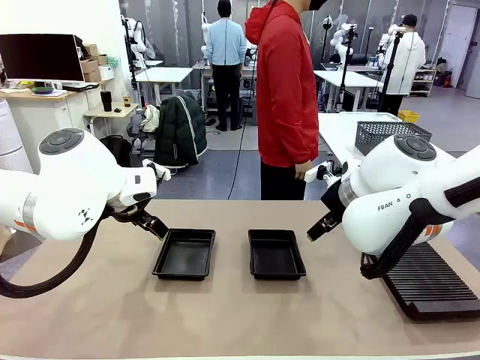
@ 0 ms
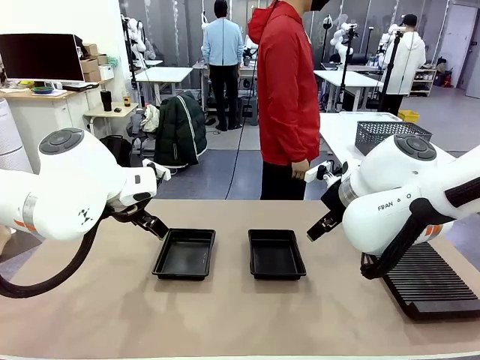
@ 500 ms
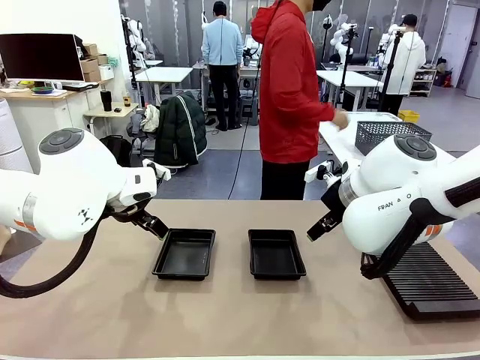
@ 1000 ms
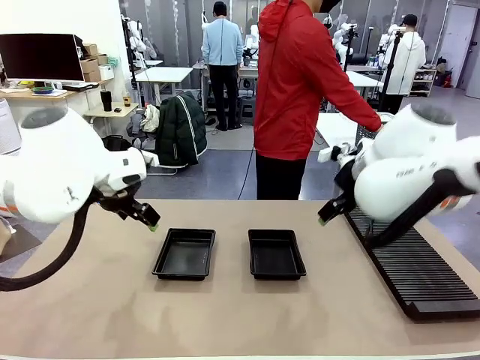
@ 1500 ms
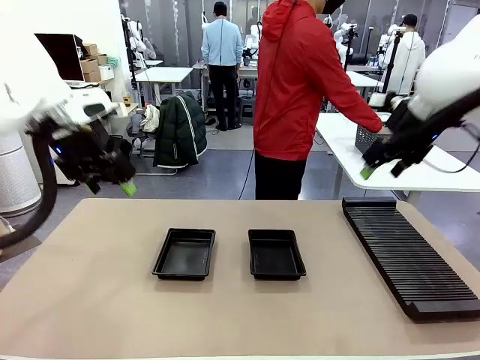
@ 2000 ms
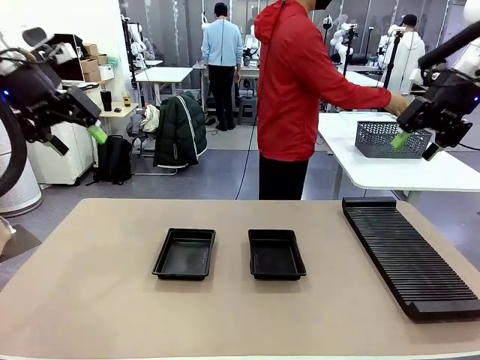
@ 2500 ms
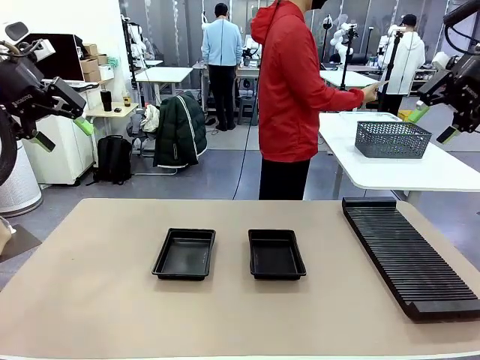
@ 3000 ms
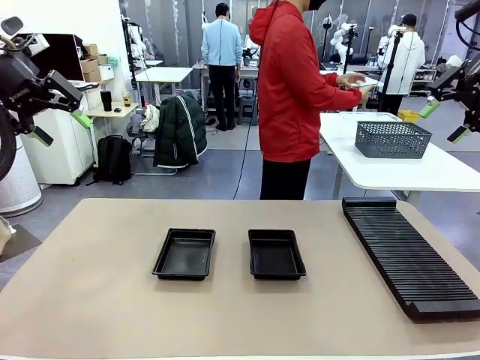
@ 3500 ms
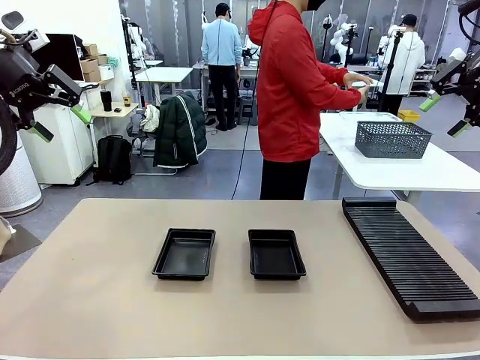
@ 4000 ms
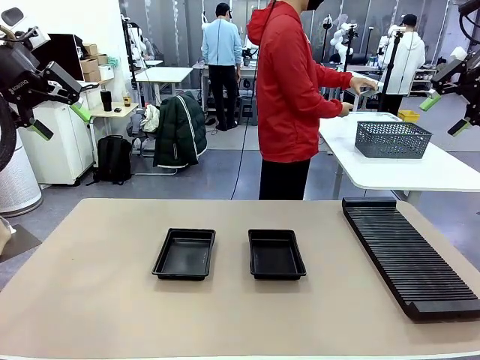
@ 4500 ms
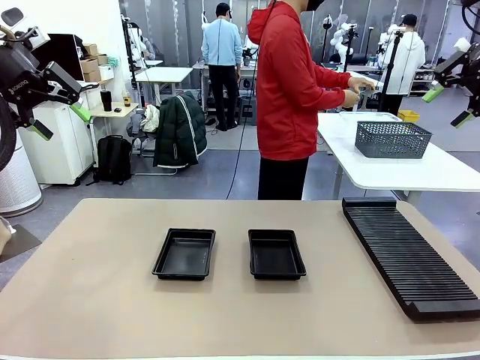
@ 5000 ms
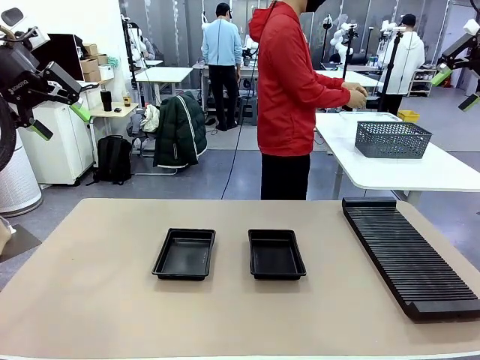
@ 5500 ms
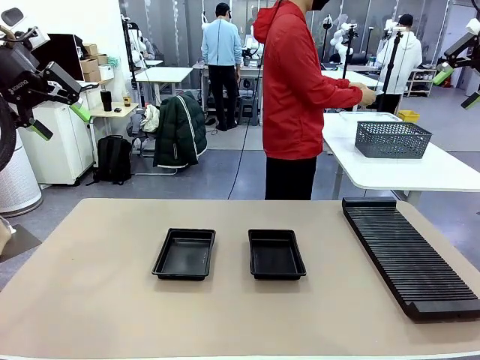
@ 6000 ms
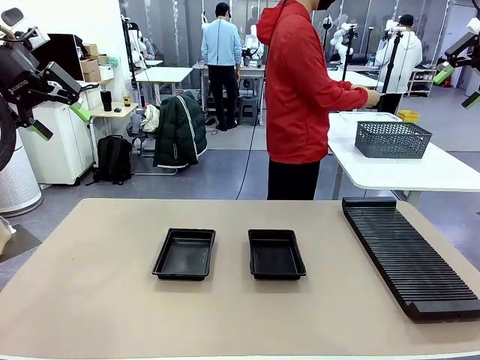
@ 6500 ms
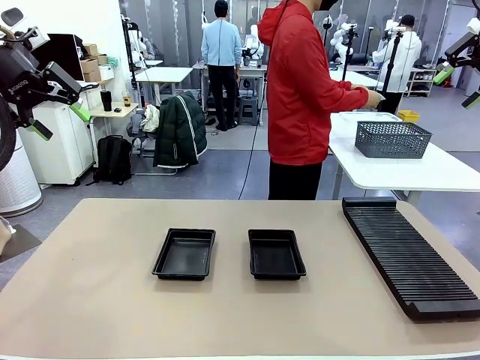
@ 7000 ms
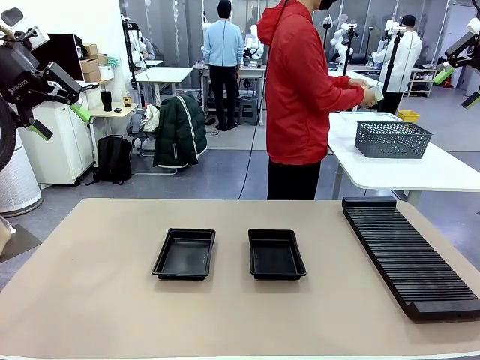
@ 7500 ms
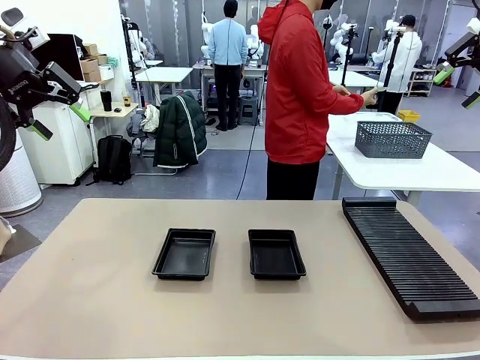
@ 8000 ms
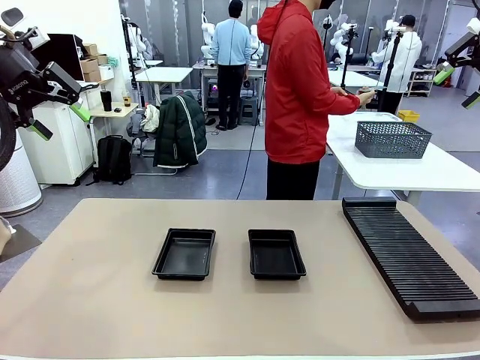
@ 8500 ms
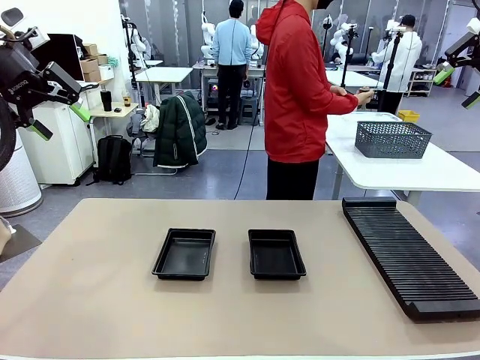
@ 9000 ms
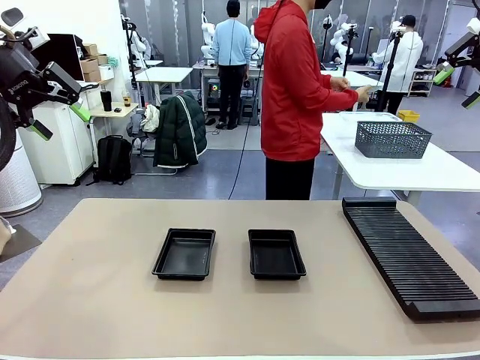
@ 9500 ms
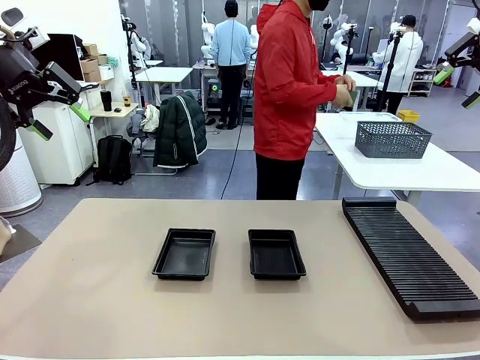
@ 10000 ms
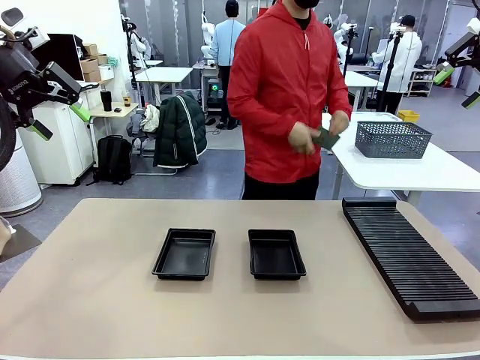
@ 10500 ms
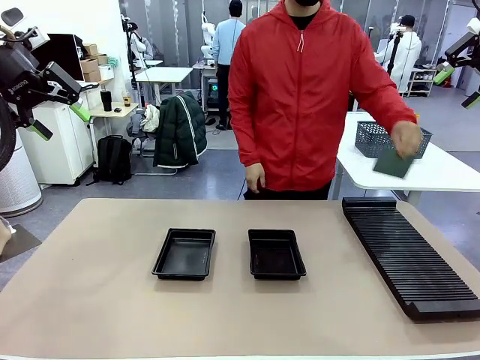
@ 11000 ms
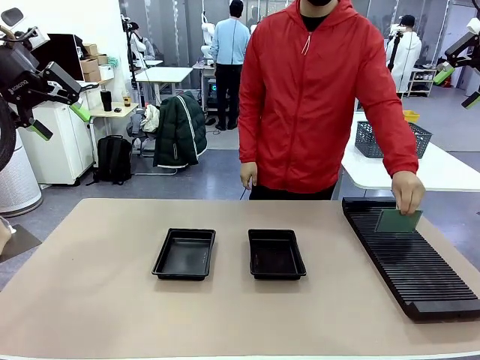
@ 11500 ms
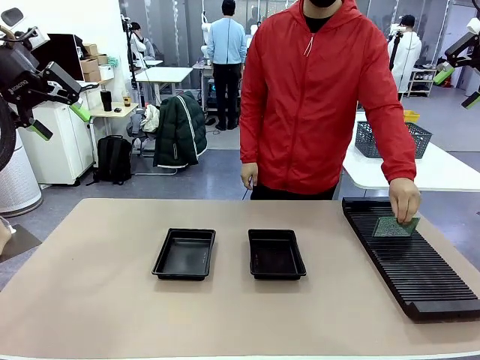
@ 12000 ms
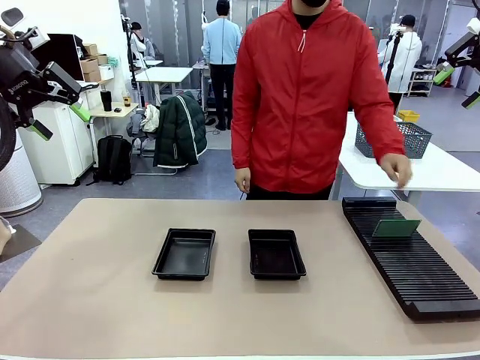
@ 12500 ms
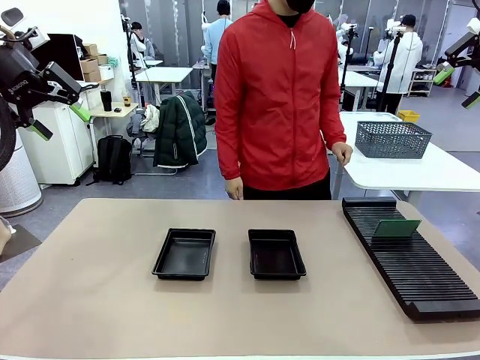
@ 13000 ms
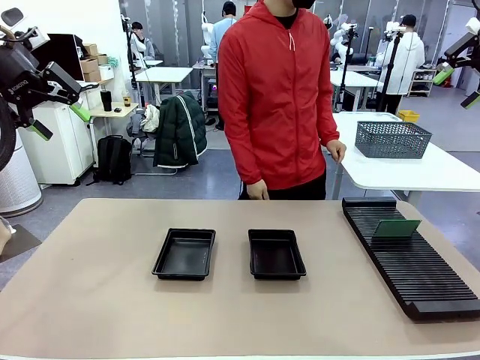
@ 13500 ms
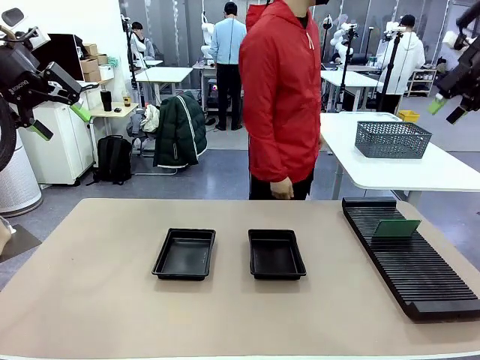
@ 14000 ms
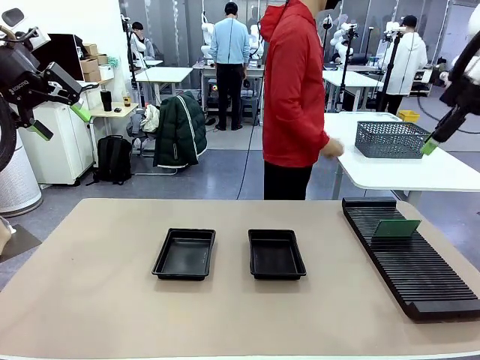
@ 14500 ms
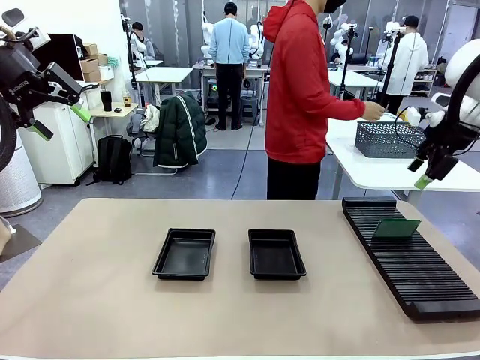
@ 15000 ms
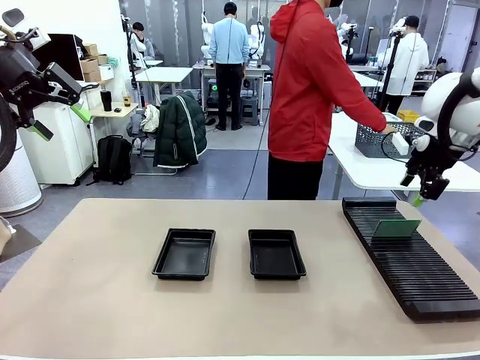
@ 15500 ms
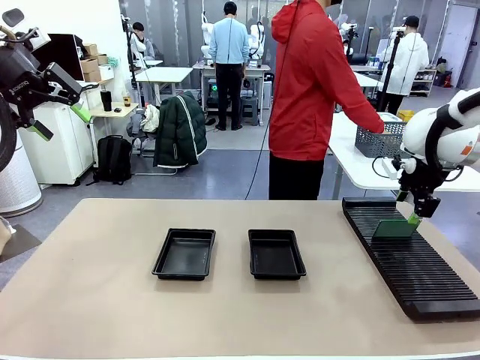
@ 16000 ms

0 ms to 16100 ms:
Task: Inspect and transfer BCBs to ESD trays.
Robot: Pick up the Blank PCB from the PCB Rack and place it in the left ESD tray.

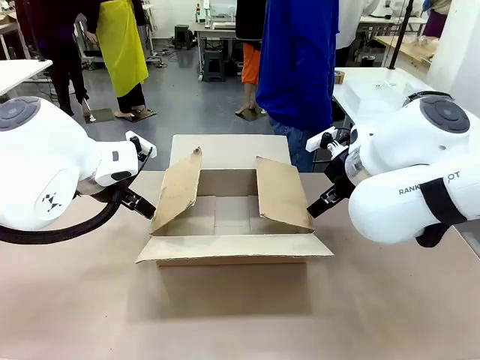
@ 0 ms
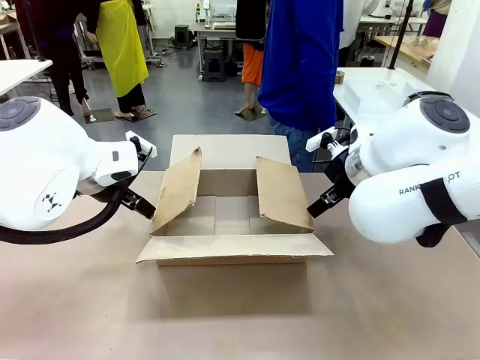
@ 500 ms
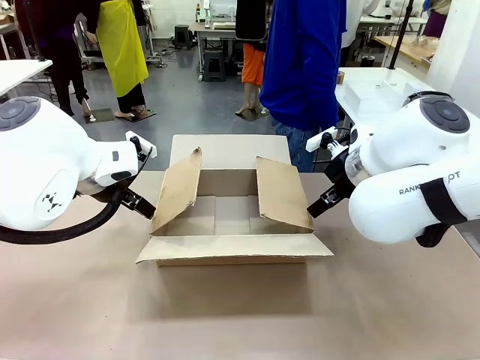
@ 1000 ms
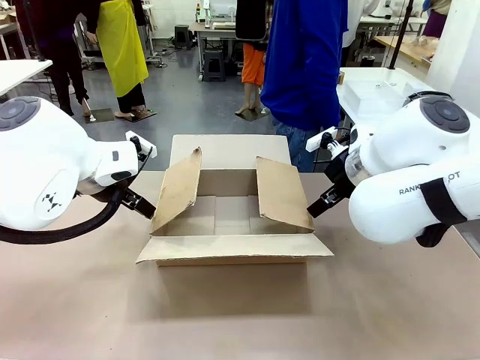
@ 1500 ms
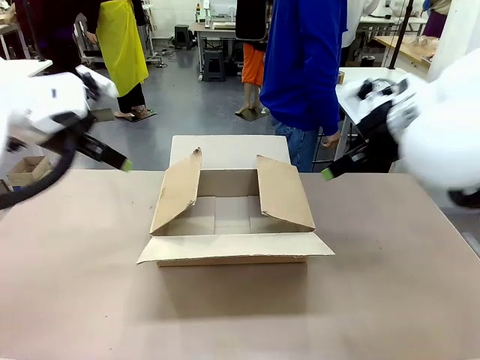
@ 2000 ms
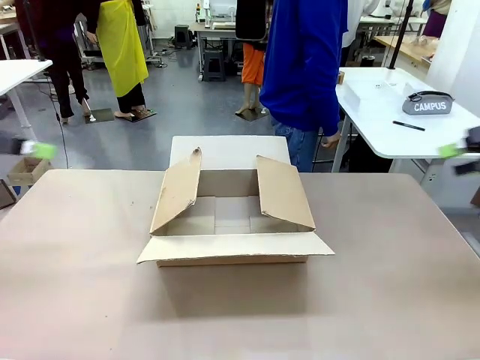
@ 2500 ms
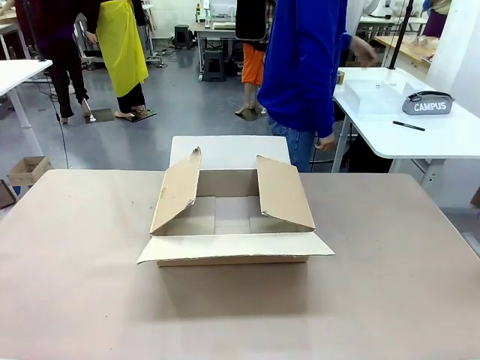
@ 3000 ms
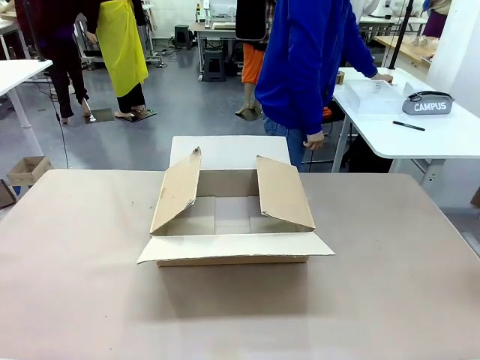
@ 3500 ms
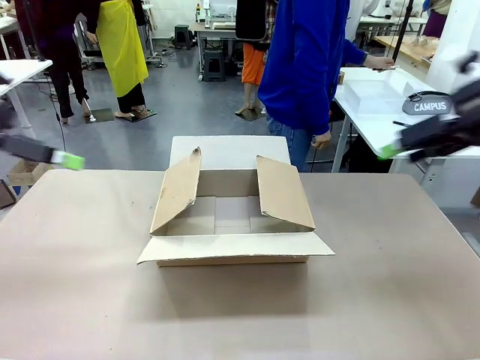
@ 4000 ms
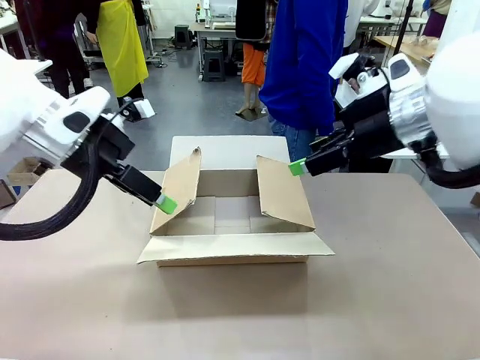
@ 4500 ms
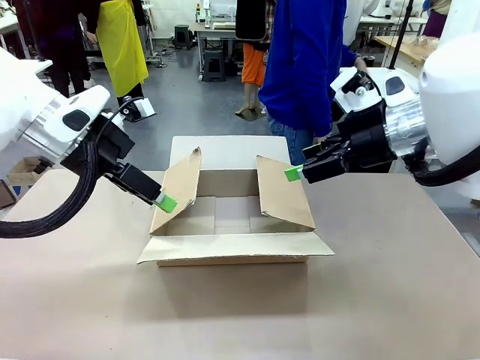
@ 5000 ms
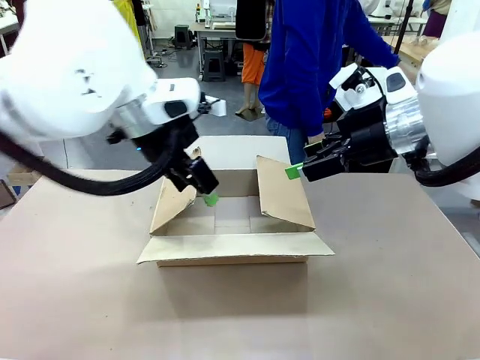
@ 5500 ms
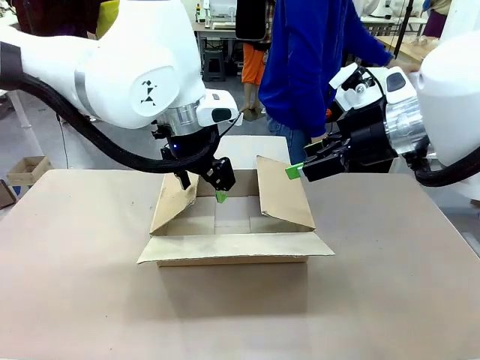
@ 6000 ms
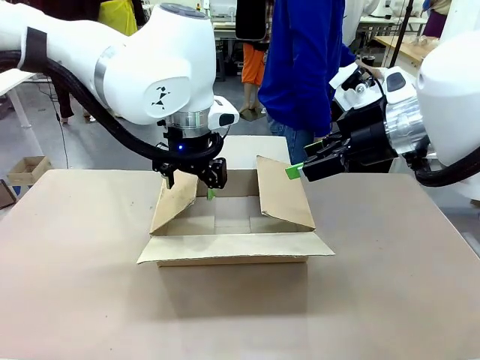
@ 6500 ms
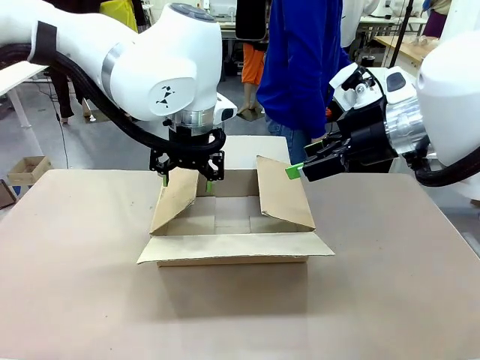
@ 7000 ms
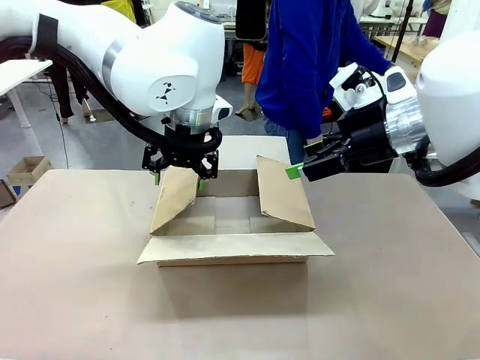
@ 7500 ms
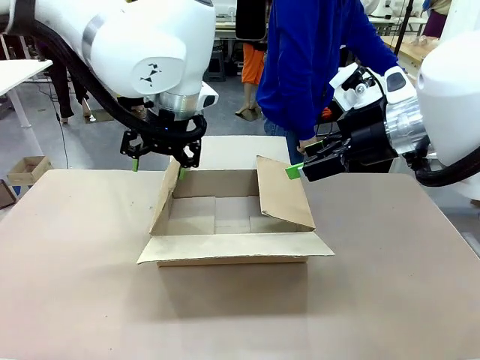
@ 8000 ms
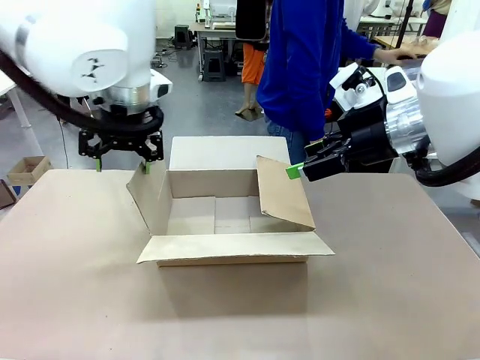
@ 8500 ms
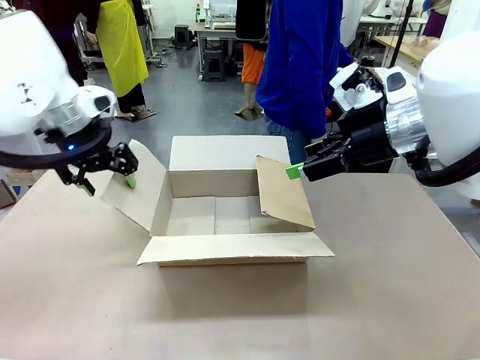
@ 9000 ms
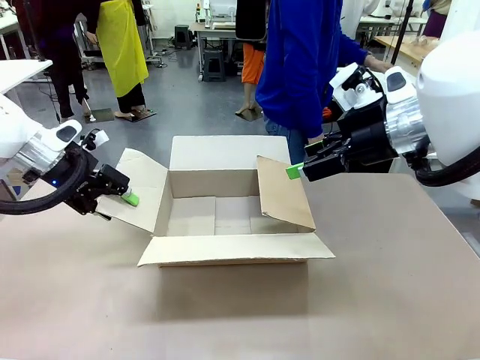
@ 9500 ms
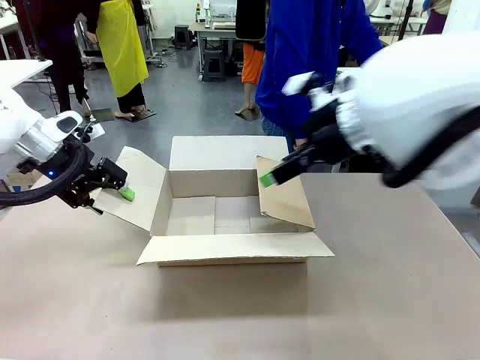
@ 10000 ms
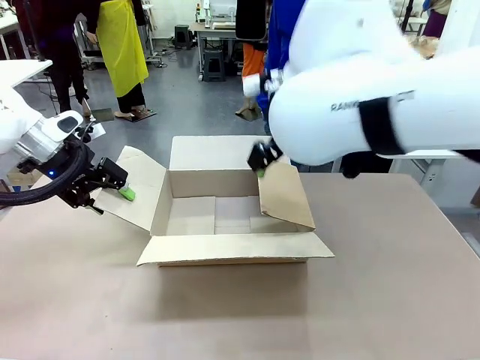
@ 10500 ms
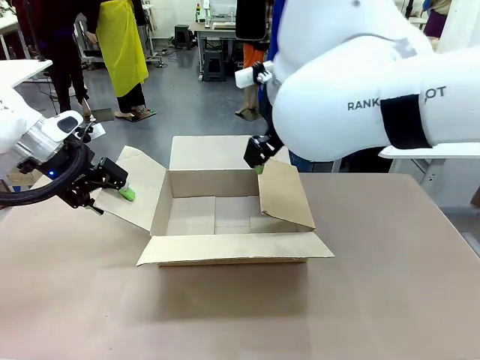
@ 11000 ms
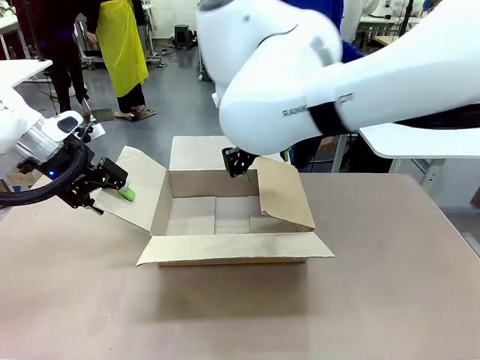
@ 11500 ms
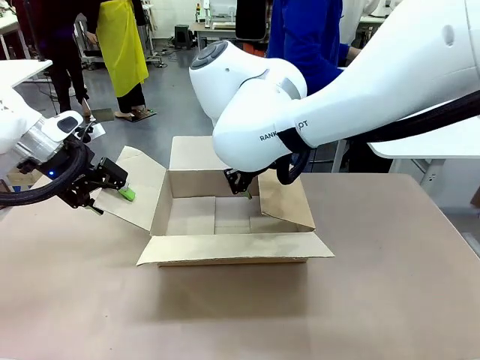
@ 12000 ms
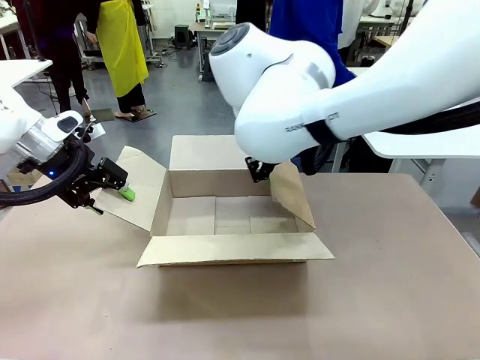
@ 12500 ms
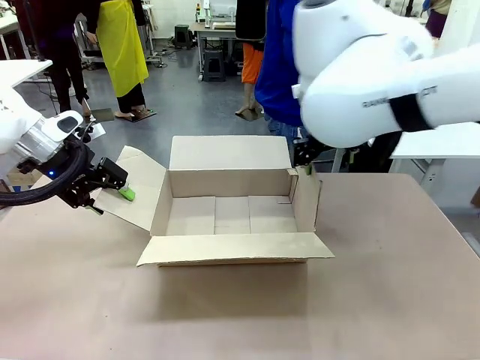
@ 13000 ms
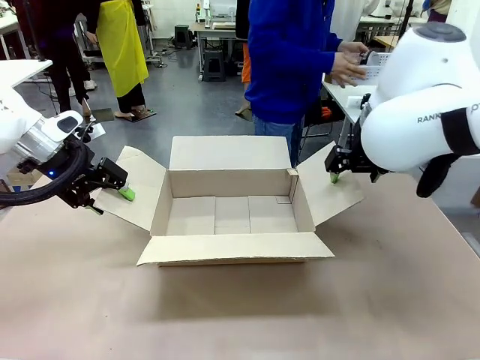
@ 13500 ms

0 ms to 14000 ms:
Task: Pack the gift set into the box.
Robot: Place both hands on the side flaps of the Package Box and spread them outward.
Person: The human places all items except the paper tape into the organizing basket.
